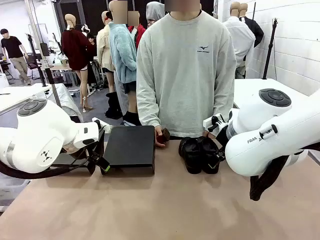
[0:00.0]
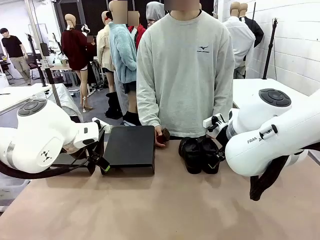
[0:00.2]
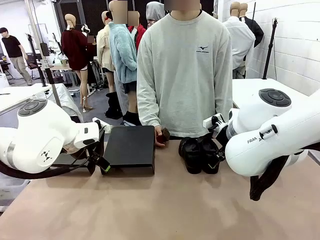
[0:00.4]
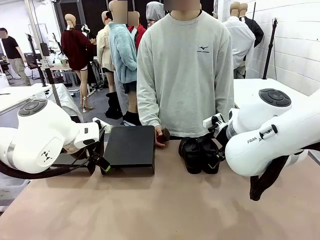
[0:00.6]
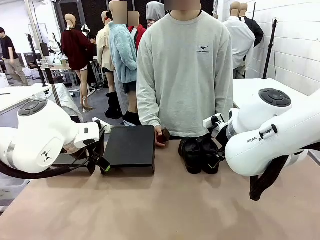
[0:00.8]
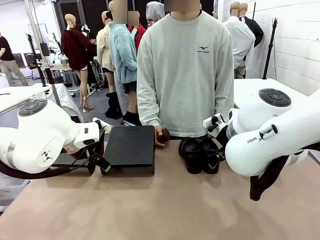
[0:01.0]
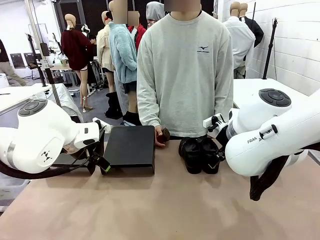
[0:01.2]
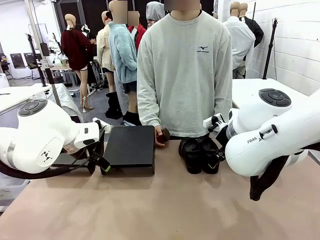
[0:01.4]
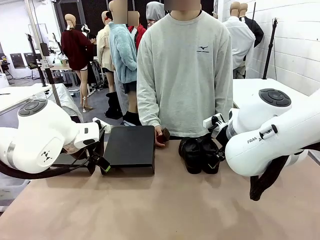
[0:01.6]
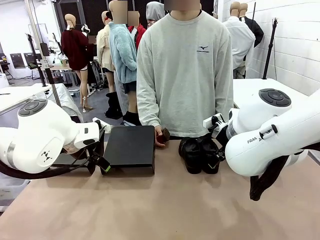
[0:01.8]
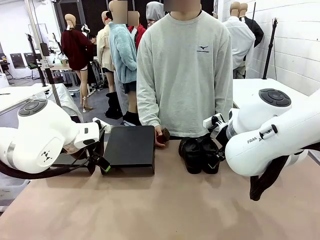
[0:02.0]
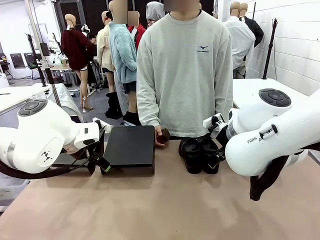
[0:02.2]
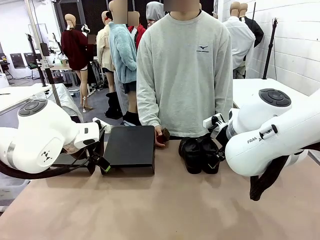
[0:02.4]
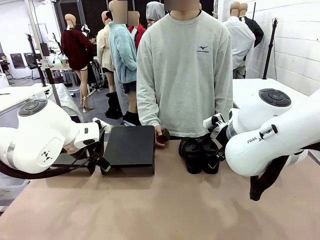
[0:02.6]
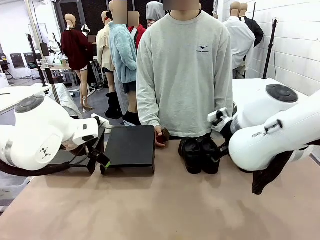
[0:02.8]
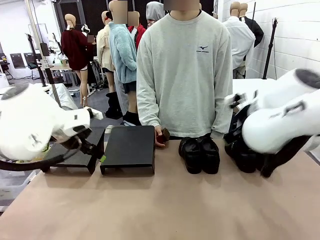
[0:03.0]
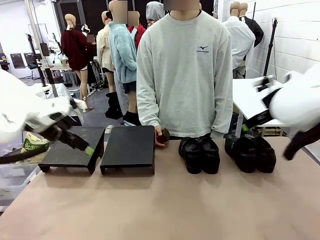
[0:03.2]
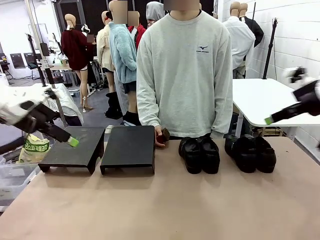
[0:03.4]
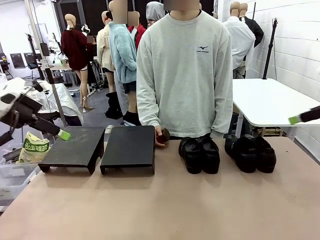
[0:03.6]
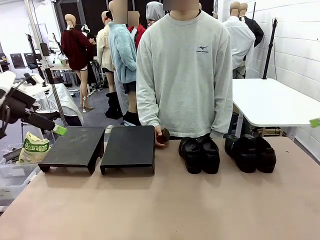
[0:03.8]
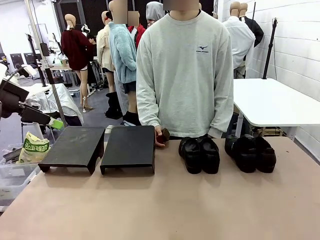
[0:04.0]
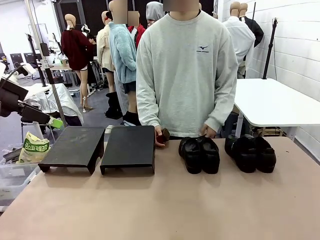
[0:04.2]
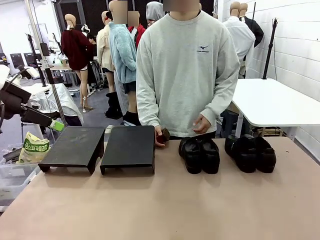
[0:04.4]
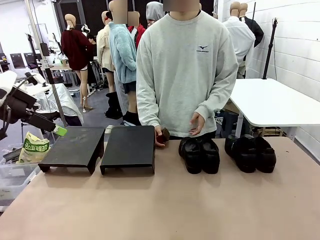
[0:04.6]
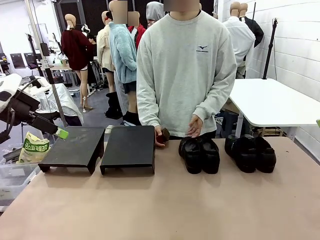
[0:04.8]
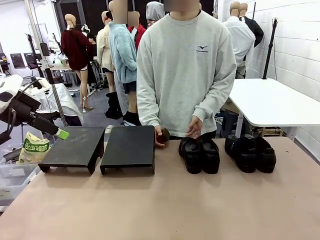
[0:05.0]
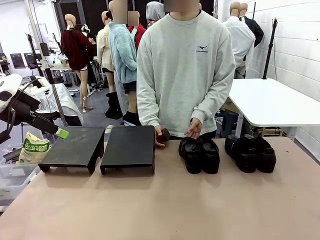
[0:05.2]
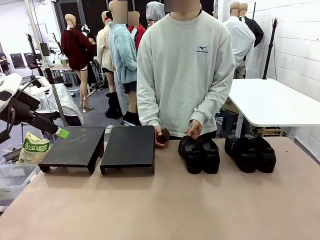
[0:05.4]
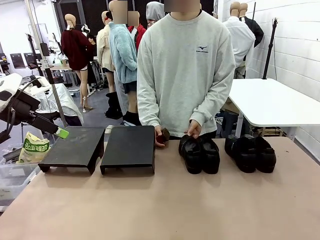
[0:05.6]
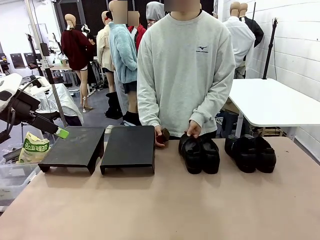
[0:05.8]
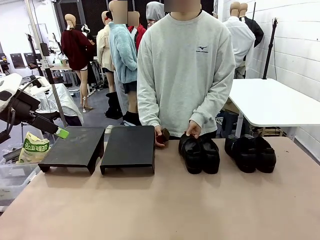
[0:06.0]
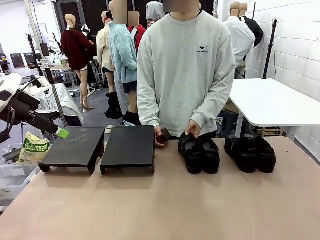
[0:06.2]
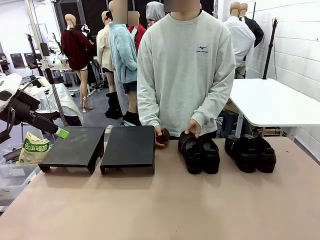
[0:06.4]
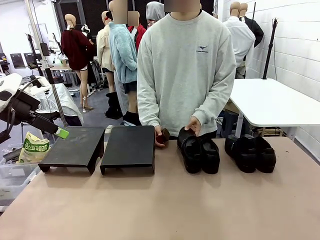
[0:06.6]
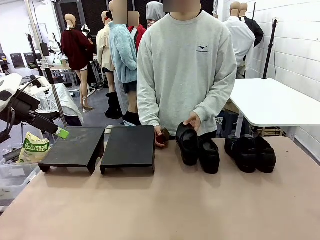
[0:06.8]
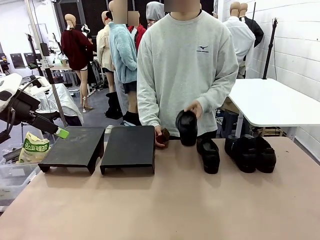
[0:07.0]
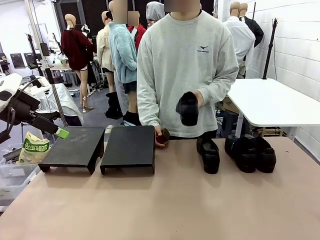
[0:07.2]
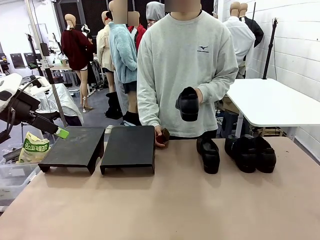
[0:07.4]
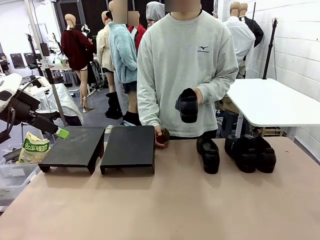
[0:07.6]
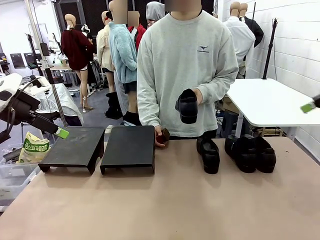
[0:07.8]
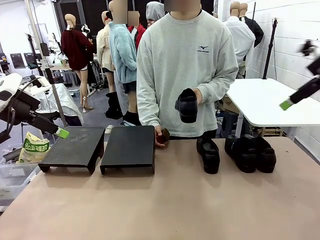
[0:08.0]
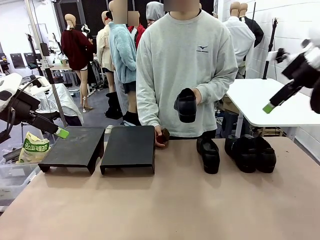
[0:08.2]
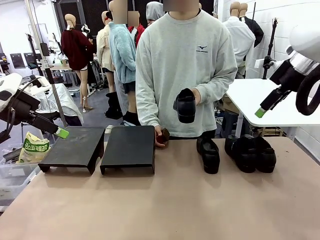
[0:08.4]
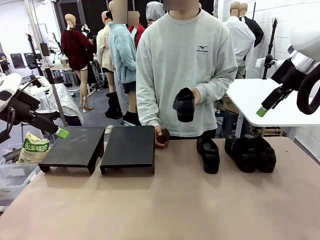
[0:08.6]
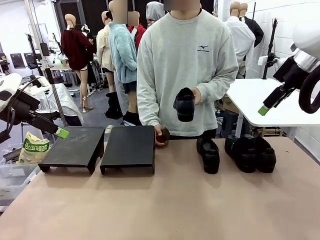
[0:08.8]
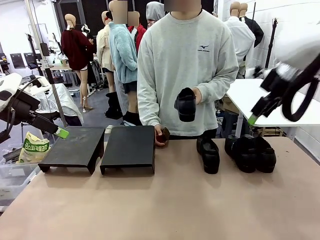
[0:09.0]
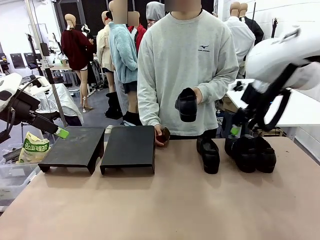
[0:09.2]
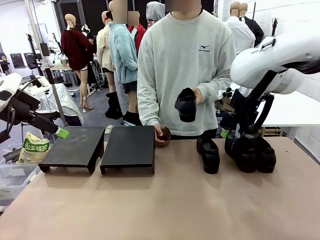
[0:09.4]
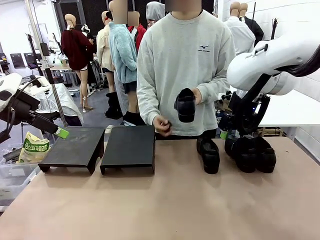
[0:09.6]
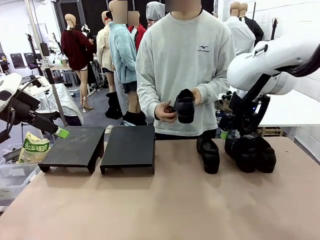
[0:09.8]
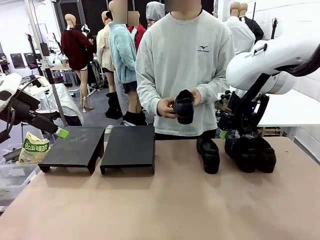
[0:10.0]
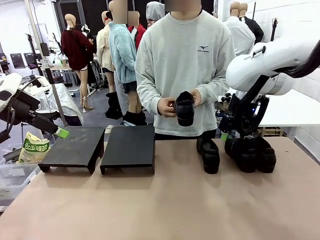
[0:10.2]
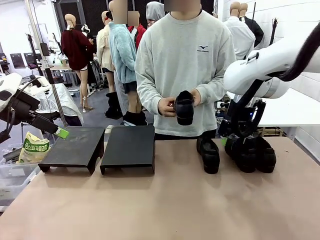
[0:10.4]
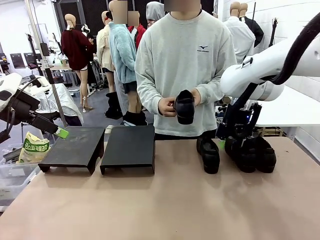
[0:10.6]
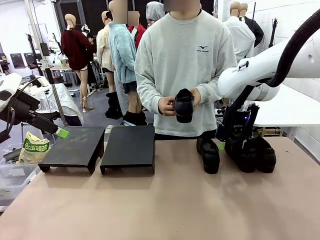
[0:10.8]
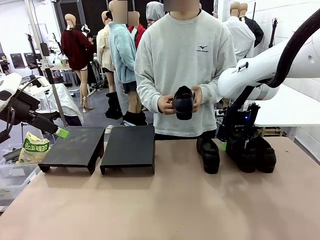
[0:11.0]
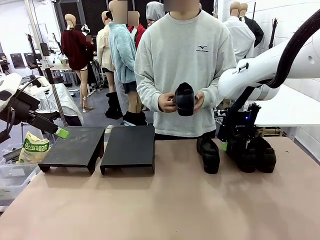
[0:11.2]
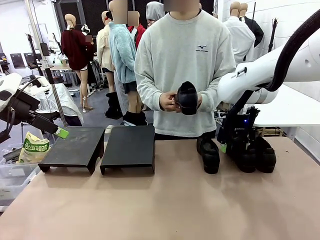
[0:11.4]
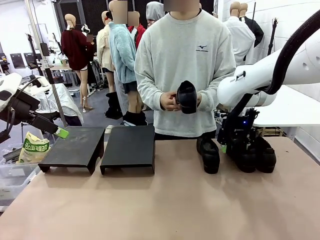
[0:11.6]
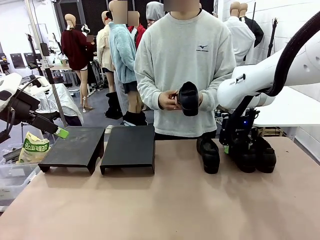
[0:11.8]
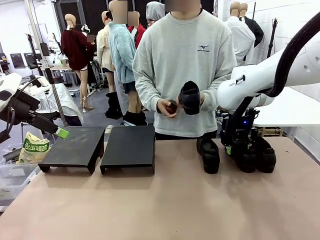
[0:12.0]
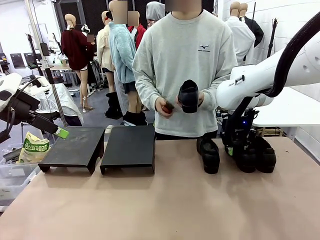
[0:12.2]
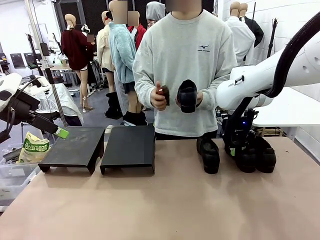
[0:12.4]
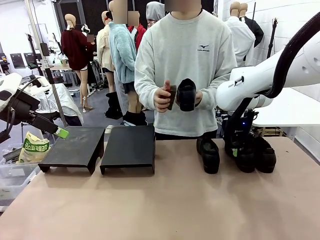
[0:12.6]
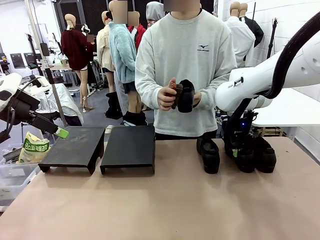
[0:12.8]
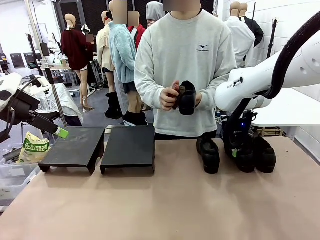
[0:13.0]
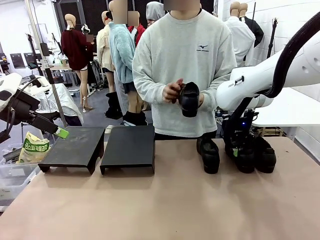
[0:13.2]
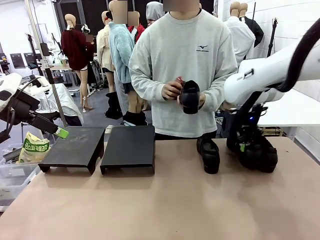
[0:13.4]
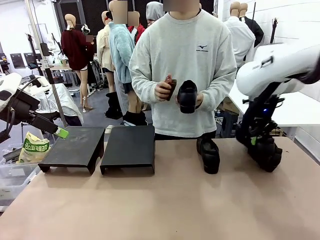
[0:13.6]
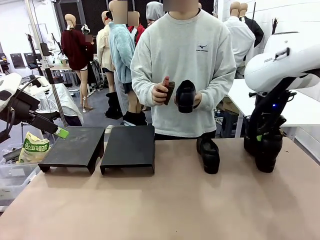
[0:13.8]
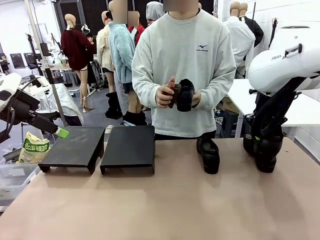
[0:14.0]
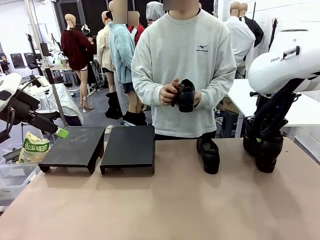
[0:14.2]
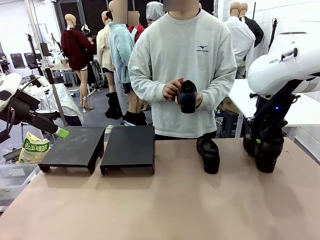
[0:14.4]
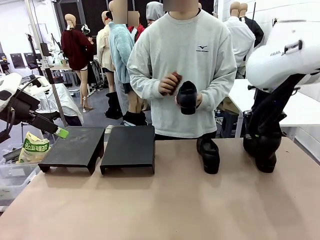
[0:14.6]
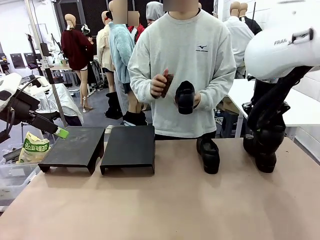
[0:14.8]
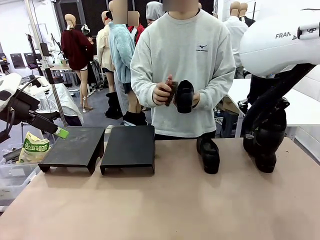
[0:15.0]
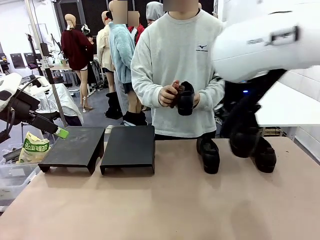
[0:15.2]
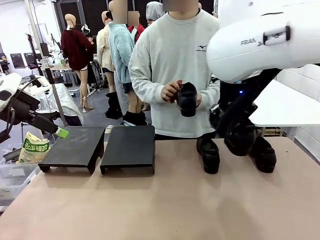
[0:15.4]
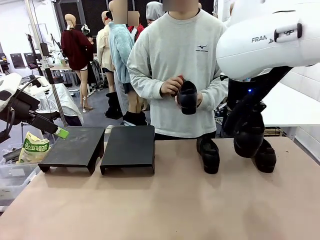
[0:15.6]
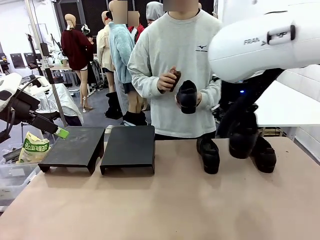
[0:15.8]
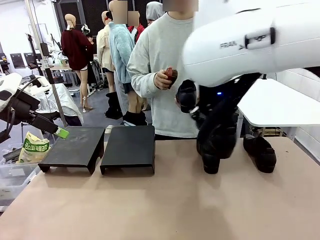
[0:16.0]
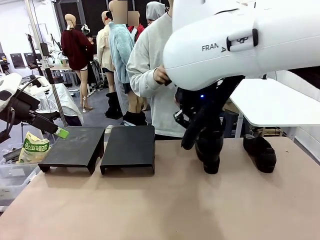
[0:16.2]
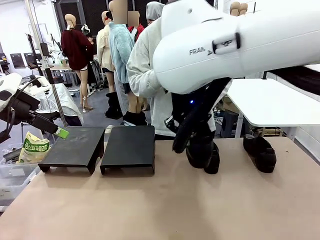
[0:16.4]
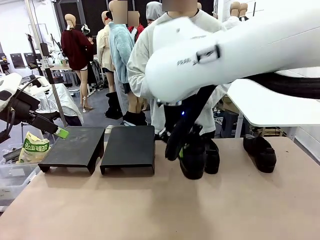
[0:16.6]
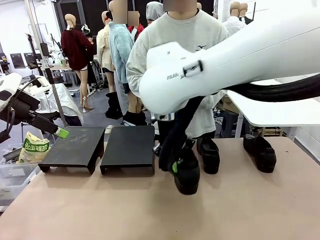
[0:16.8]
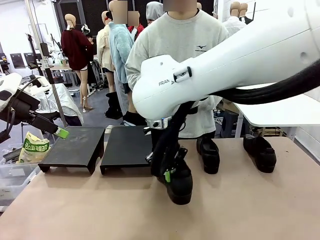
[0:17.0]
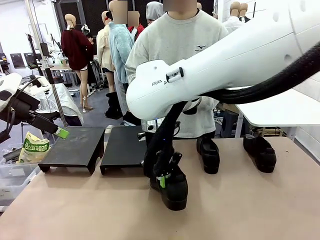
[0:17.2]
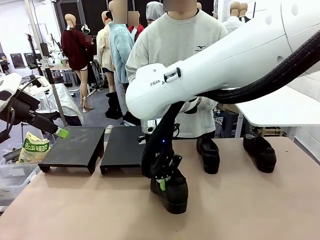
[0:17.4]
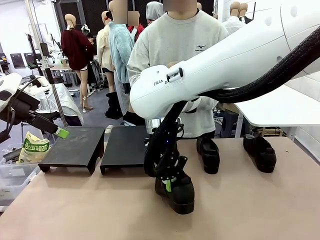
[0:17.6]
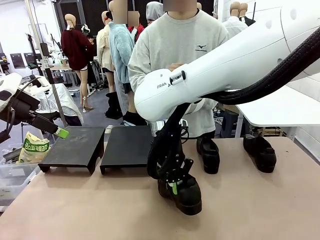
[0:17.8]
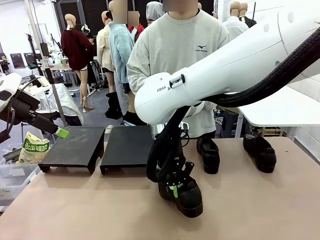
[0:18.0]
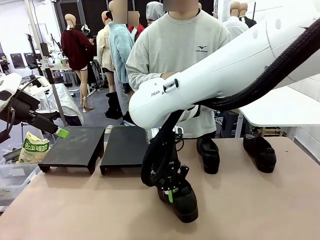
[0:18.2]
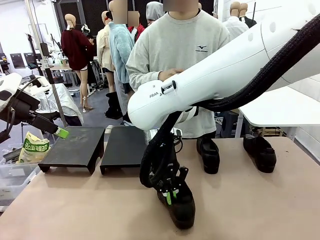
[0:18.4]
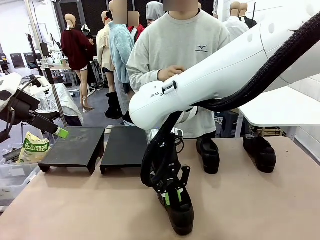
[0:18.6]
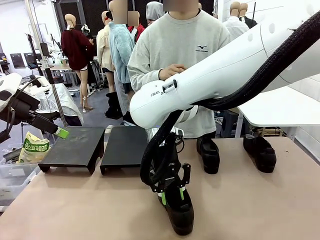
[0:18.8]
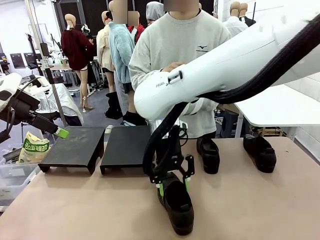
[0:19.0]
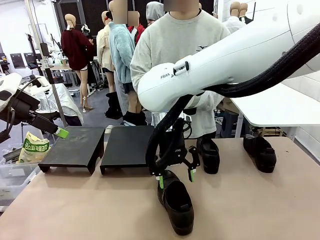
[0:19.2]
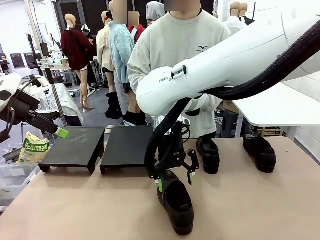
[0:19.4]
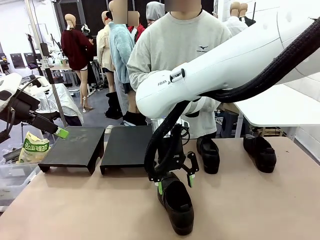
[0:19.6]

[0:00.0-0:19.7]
Task: Organize the shoes by placing them on the stand.
Robot: Pick up one Shoe and place it in the middle of the table.
Person: Pick one Shoe on Robot's table. Clean the Shoe with the Shoe Brush.
